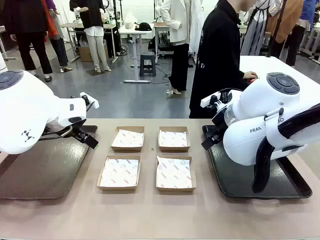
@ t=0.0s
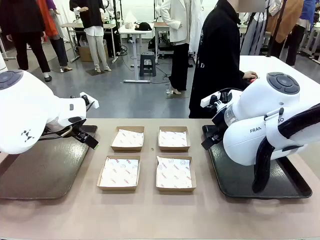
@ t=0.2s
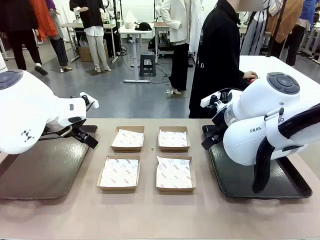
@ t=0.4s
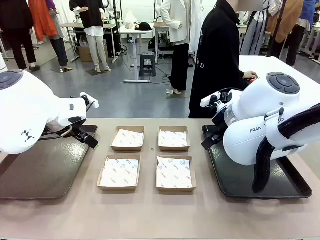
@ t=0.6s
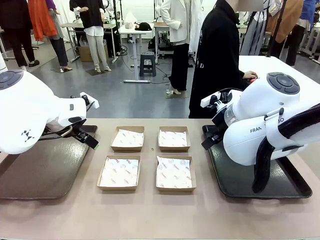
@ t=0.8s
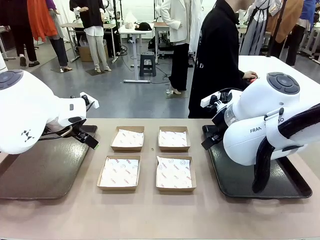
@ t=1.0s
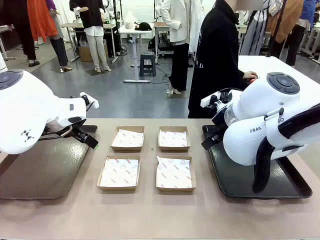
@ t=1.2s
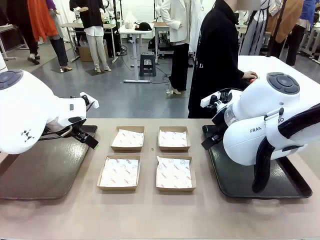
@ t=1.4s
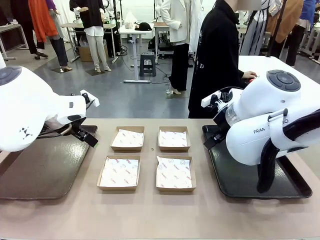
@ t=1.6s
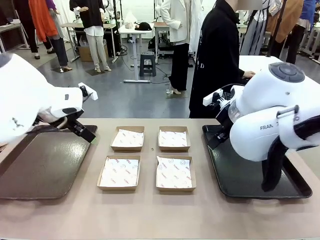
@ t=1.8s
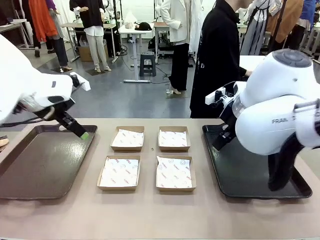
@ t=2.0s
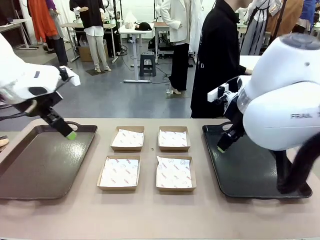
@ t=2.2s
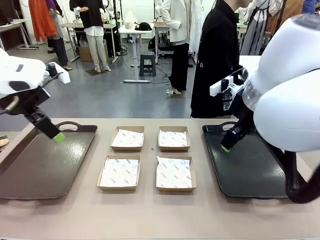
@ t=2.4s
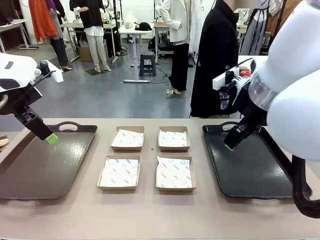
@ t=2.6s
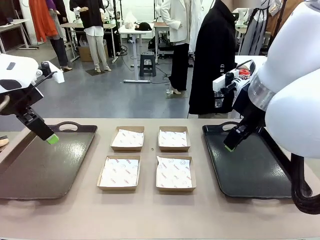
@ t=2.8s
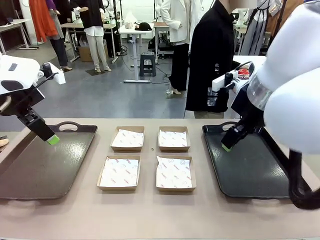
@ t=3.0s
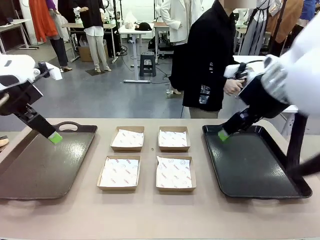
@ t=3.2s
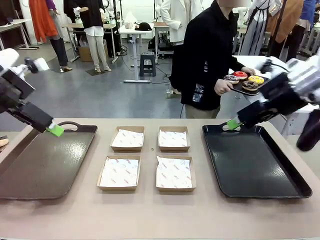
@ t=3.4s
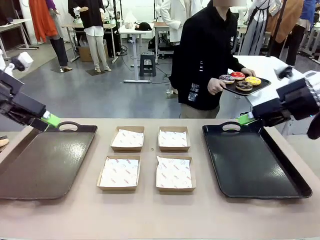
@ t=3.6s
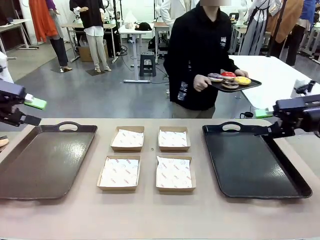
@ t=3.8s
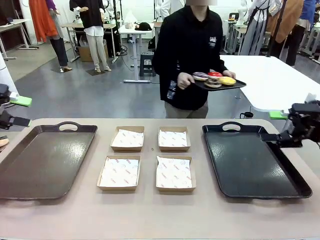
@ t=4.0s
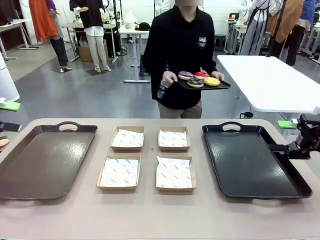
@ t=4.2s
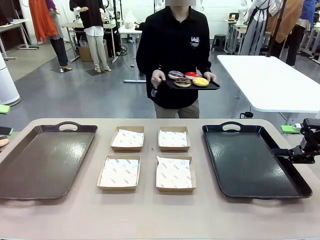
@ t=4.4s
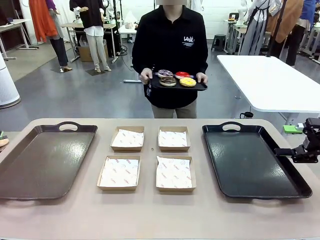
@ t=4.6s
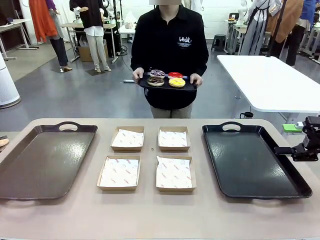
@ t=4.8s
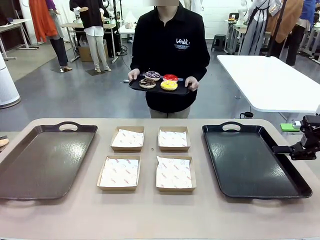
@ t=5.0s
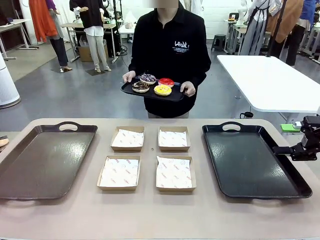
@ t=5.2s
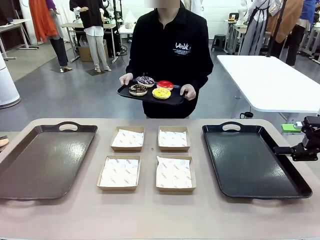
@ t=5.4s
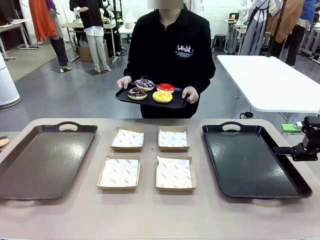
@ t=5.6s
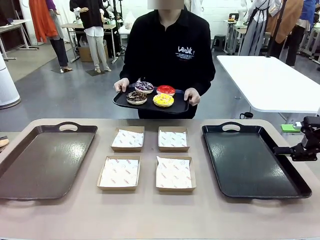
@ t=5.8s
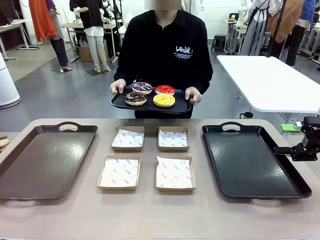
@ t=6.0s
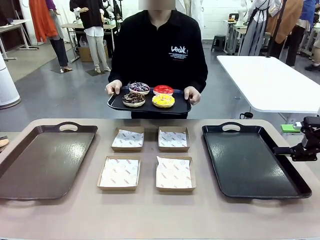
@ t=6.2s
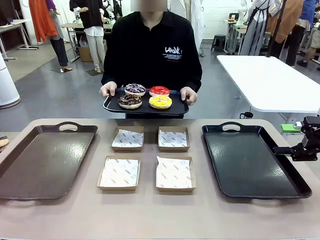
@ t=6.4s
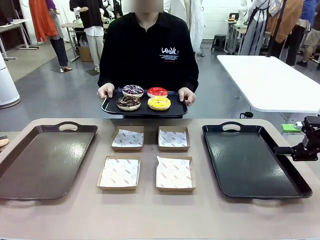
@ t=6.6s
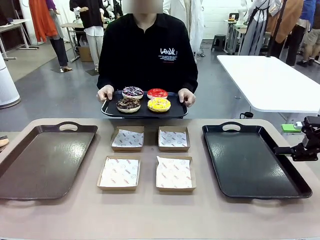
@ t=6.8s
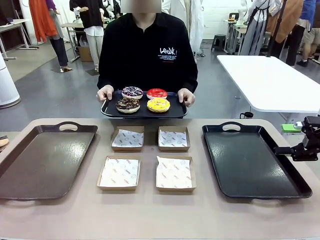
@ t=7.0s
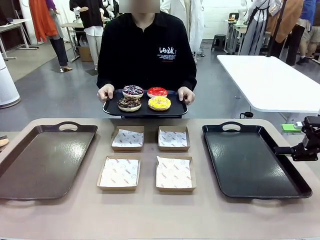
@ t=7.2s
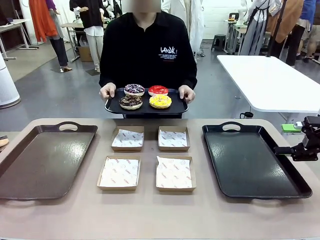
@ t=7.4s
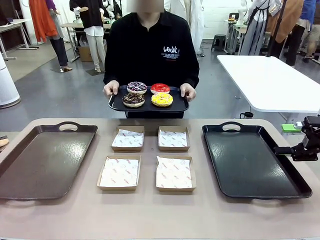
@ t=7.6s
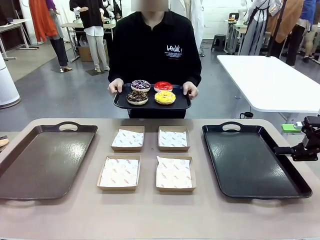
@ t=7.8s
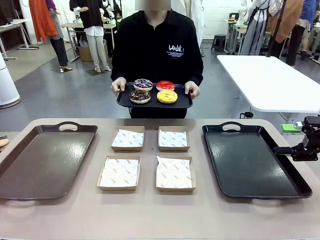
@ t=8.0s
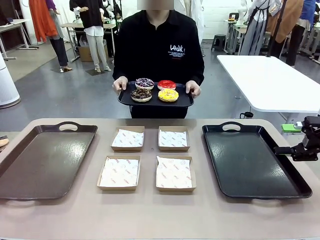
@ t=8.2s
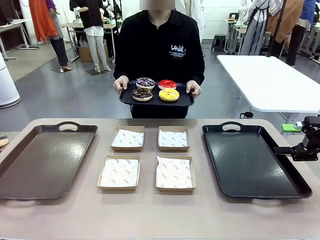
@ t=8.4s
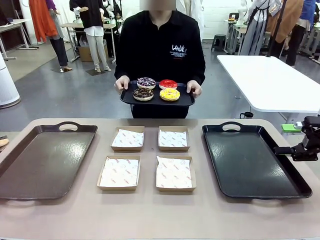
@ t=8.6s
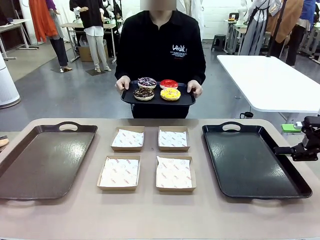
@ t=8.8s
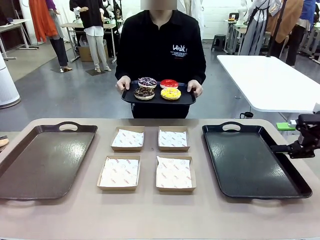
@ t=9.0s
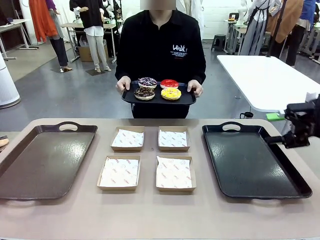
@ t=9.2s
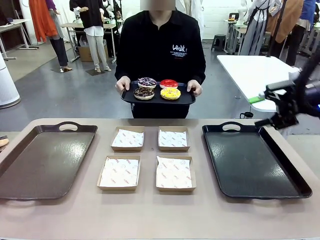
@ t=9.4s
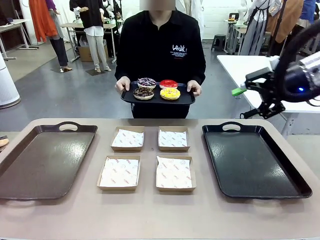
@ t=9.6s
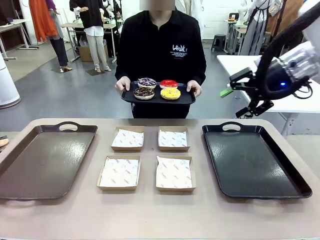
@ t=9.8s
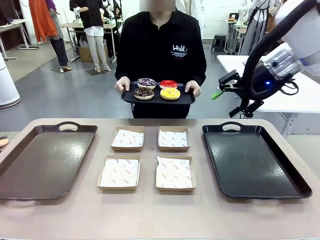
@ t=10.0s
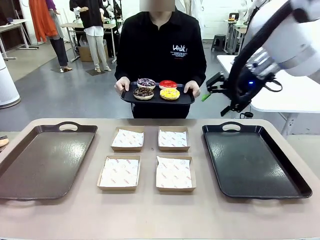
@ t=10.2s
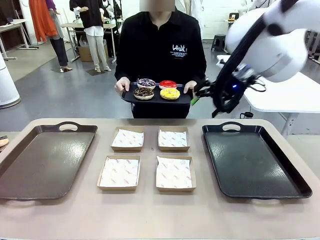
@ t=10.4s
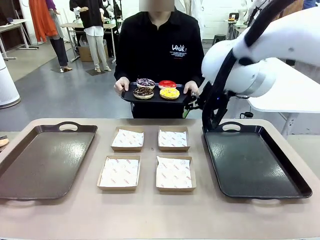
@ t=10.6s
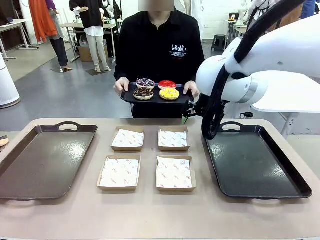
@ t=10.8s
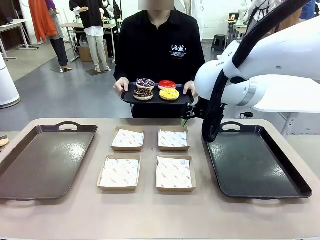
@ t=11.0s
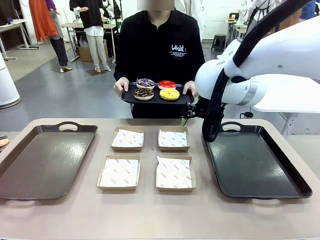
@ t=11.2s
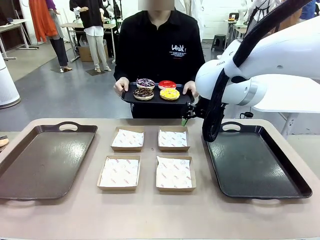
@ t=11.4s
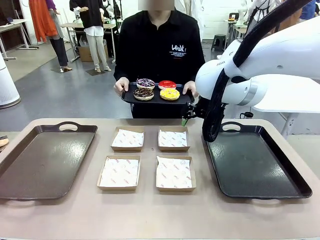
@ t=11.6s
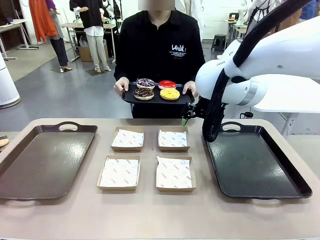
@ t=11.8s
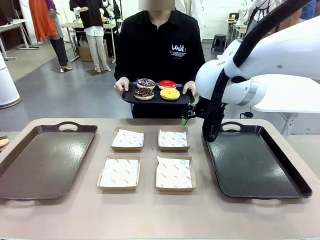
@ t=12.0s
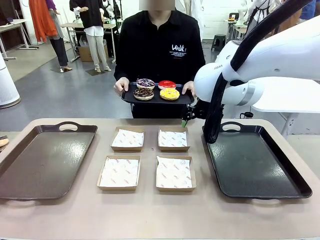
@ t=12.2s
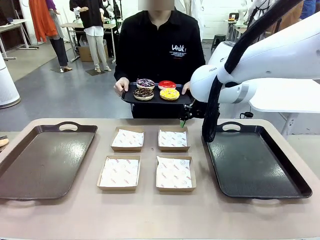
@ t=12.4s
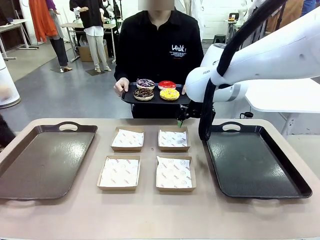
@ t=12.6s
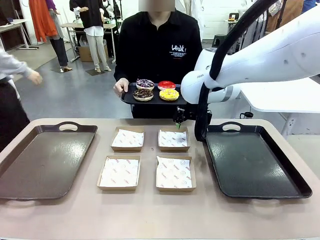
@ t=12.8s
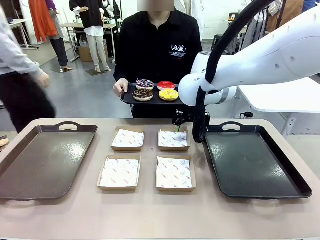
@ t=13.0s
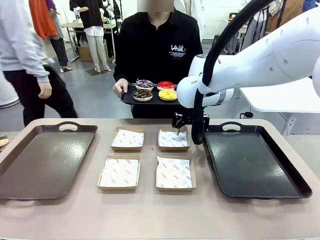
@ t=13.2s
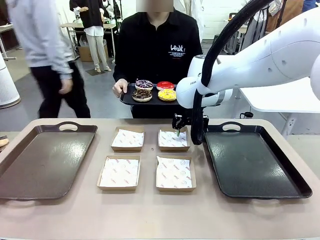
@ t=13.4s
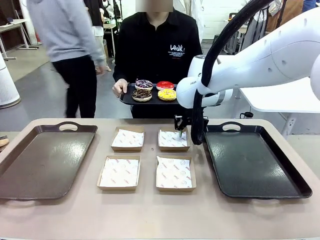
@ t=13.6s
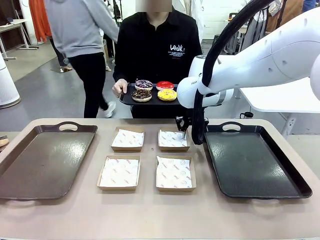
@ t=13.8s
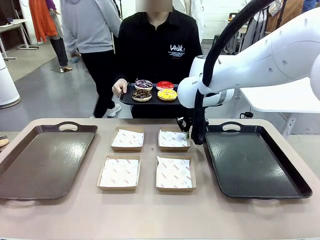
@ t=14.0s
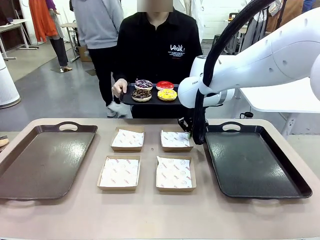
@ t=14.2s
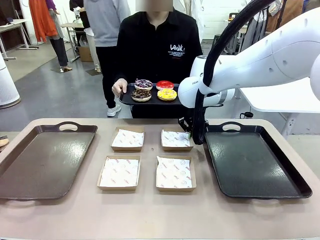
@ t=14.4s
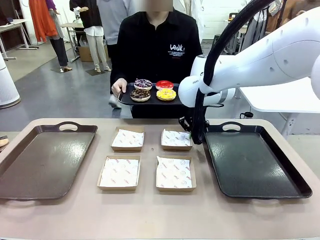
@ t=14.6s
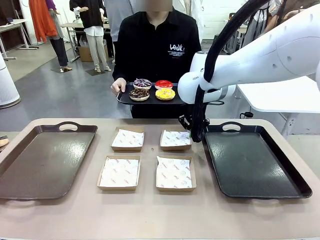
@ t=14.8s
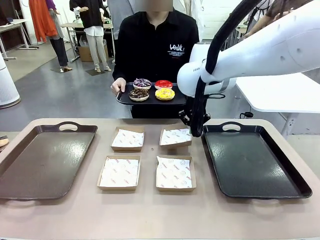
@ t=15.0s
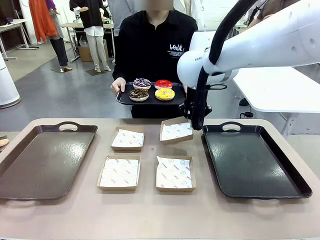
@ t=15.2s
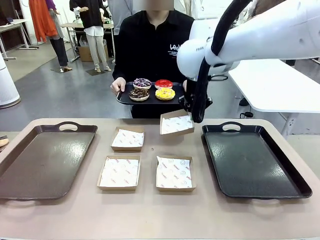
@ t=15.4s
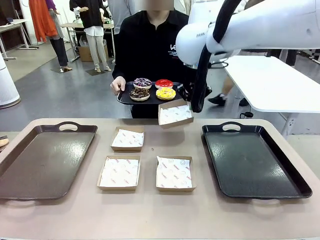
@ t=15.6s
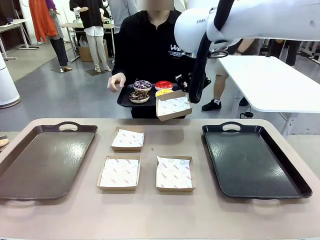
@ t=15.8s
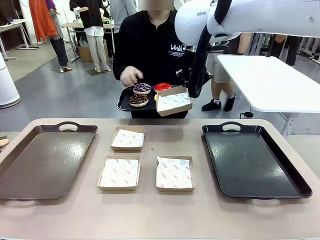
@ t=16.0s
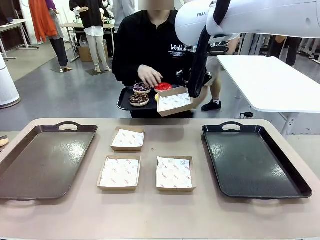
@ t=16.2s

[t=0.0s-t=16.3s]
Task: Individually package the donuts and arrange them on the tray.
Robot: Pick up one Paper togo box.
Person: Stand in front of the robot table holding the tray containing the donuts.
